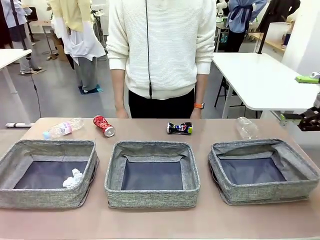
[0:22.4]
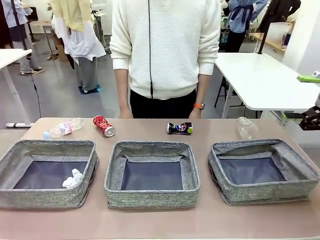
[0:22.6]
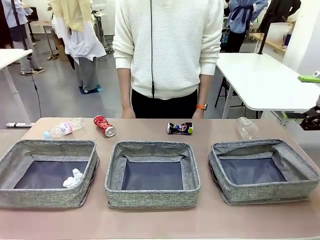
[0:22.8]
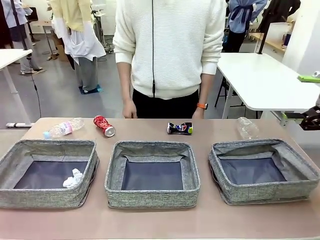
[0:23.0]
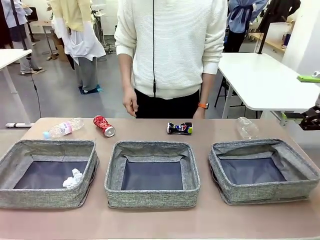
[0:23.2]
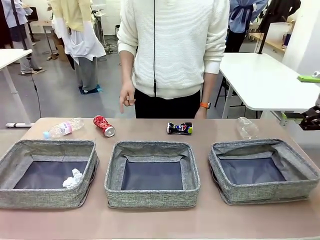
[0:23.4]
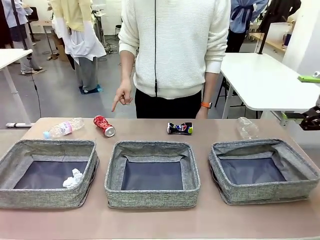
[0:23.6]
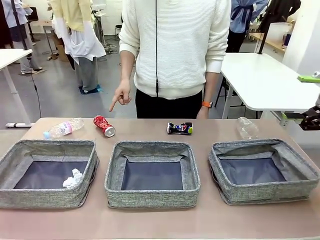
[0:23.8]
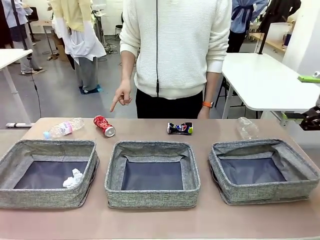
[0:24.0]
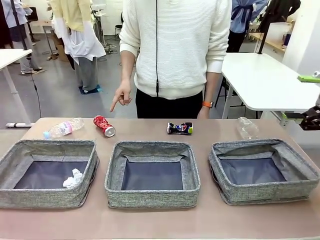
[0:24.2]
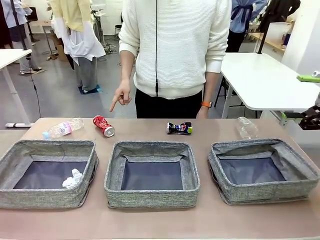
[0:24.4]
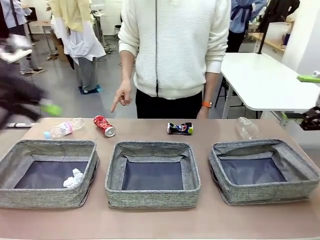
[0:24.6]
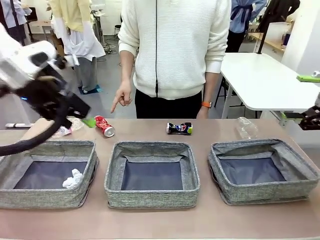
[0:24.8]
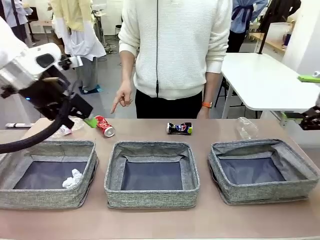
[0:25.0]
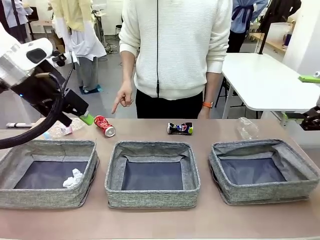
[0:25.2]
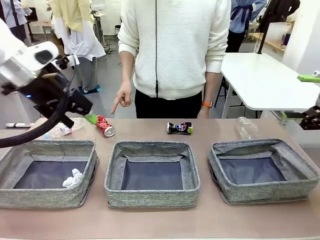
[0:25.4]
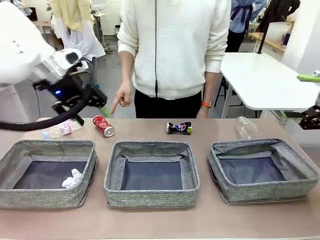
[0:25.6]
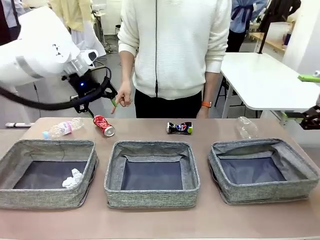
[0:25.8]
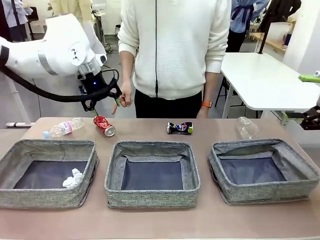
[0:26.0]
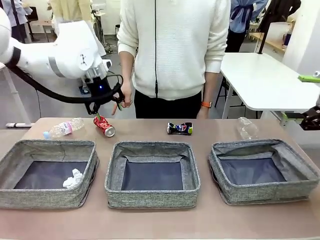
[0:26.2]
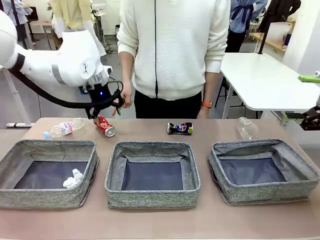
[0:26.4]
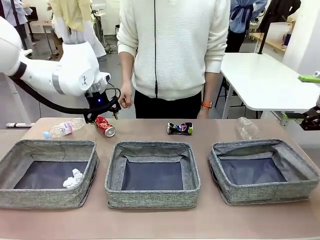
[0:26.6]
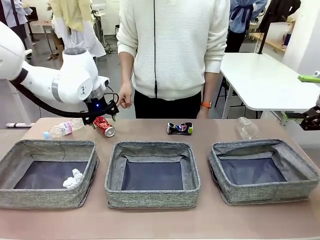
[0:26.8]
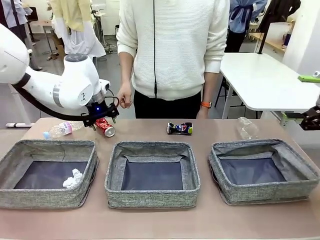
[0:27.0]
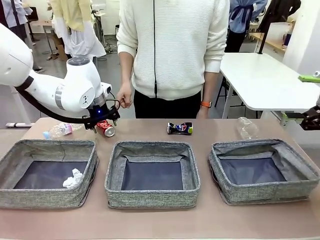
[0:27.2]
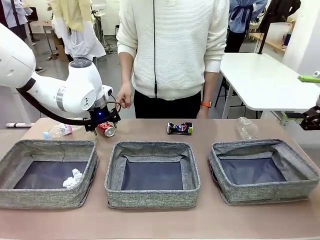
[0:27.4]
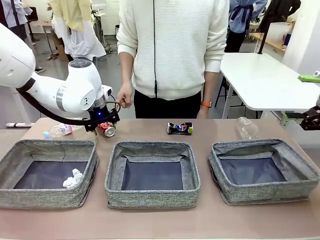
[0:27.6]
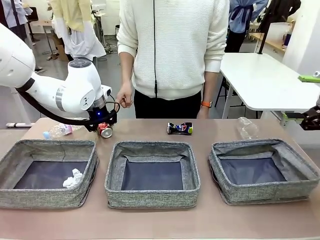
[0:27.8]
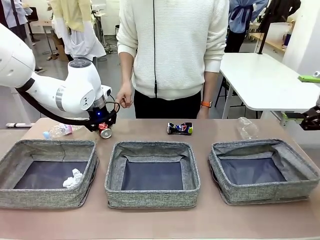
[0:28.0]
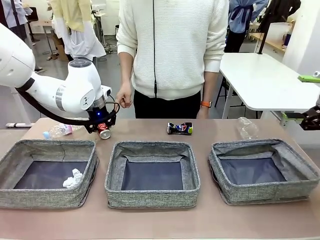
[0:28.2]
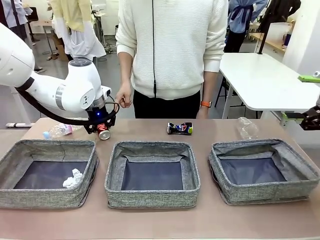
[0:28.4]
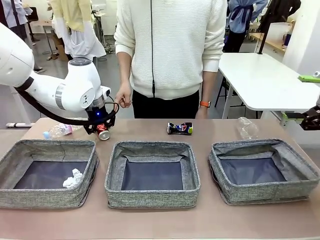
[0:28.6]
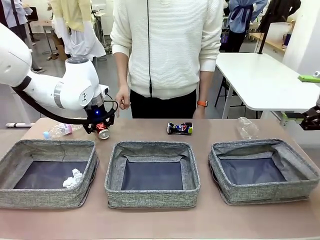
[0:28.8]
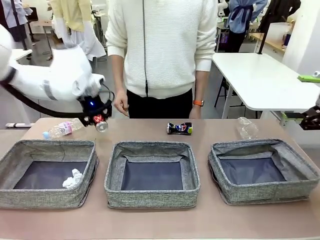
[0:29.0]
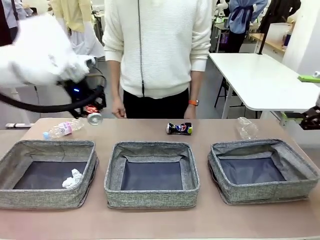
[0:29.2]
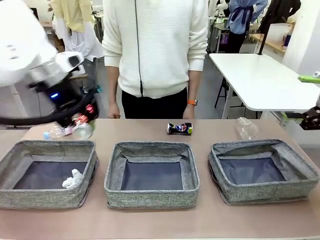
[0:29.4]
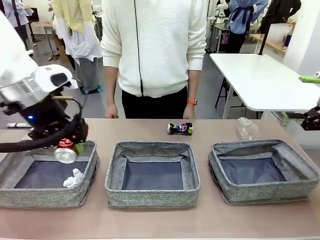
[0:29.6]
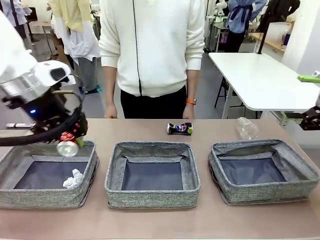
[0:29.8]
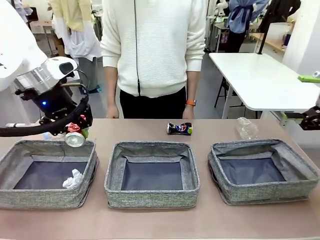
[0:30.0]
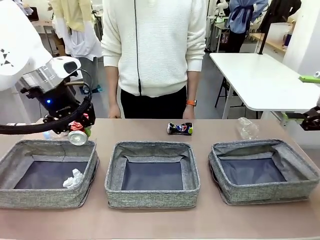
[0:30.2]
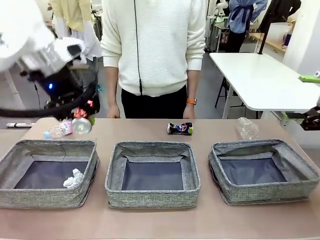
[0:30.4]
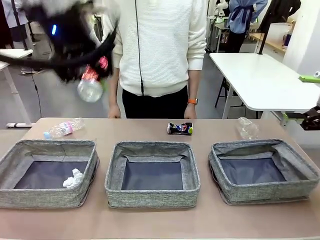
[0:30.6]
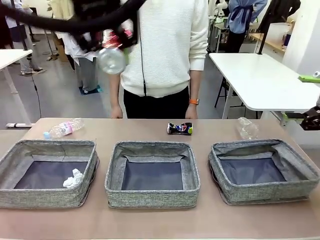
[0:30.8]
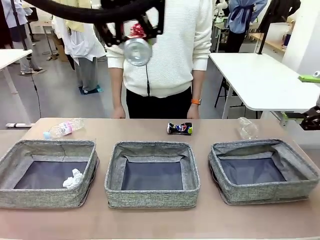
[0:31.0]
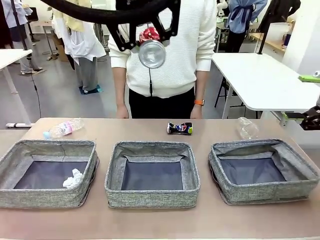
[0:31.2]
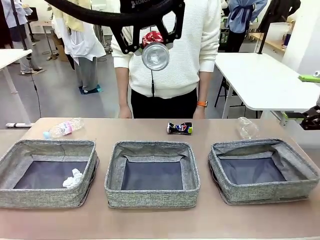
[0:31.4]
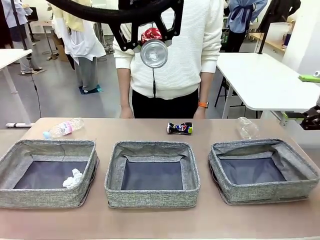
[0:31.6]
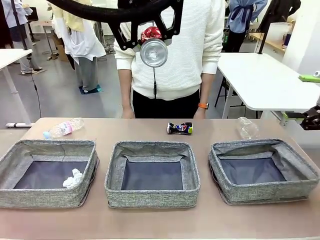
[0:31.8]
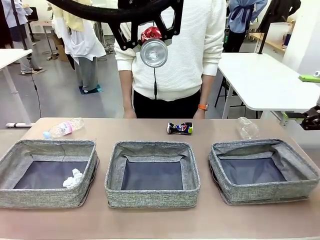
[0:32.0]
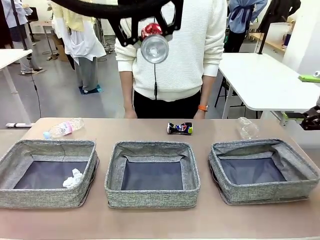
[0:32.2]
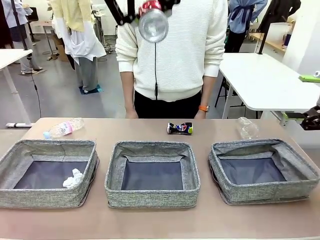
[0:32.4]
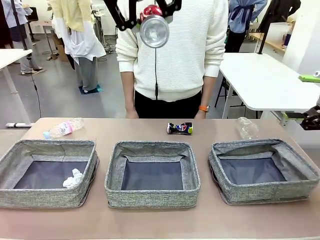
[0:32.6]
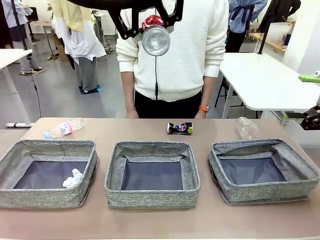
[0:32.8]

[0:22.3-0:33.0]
Task: Sort the waste into the appropriate baskets.
Robot: Pick up the waste item pointed out by the person.
Person: Points to one piece of trash on the table.

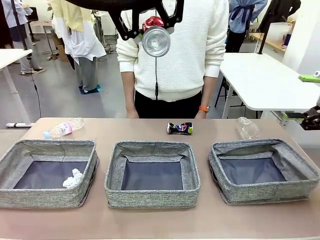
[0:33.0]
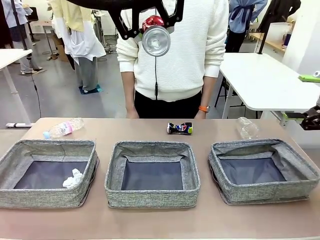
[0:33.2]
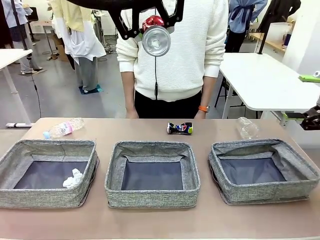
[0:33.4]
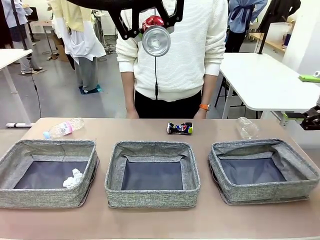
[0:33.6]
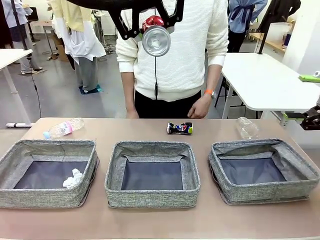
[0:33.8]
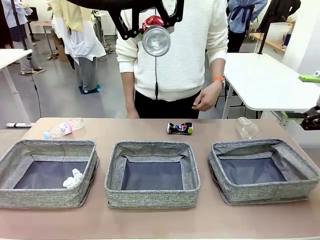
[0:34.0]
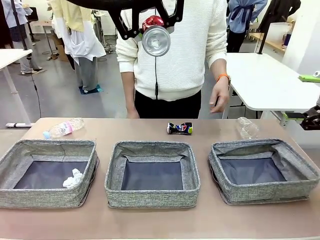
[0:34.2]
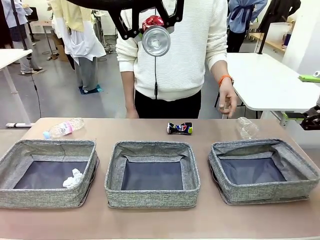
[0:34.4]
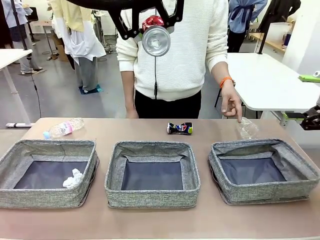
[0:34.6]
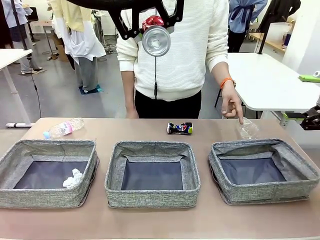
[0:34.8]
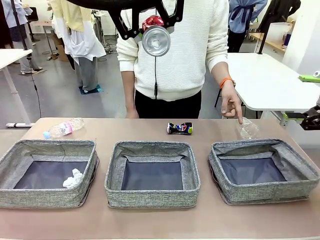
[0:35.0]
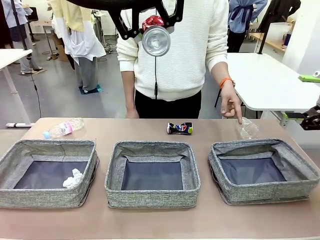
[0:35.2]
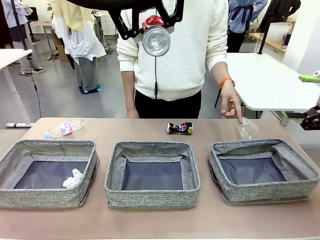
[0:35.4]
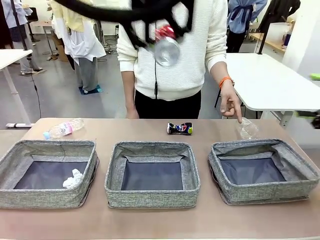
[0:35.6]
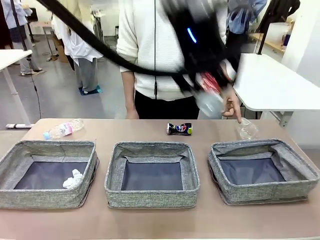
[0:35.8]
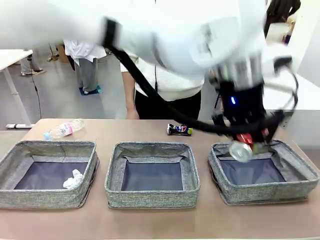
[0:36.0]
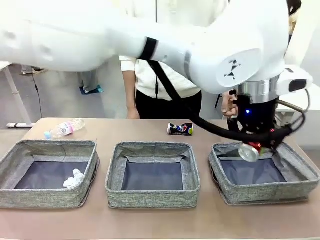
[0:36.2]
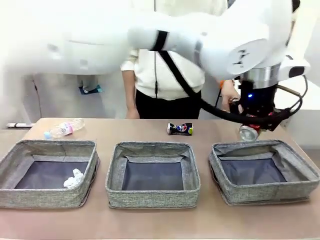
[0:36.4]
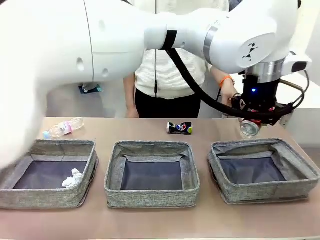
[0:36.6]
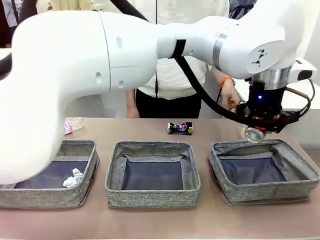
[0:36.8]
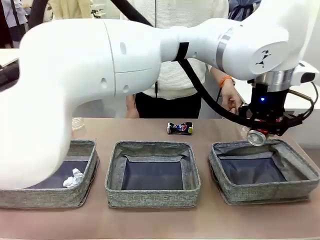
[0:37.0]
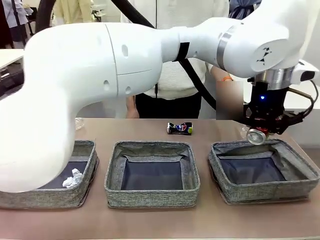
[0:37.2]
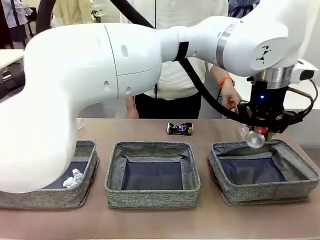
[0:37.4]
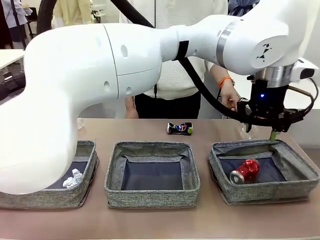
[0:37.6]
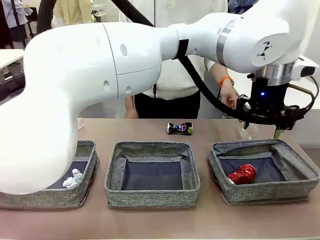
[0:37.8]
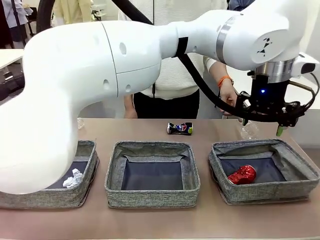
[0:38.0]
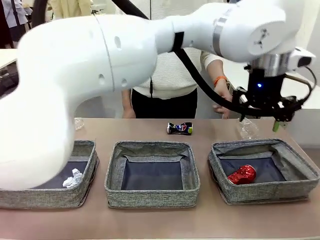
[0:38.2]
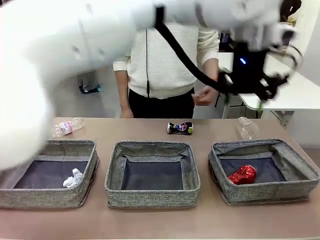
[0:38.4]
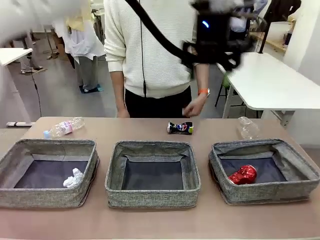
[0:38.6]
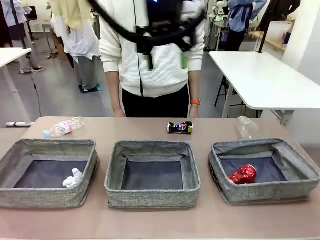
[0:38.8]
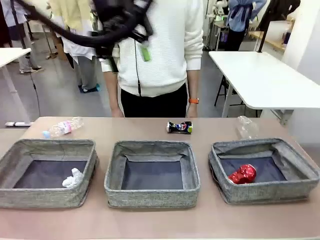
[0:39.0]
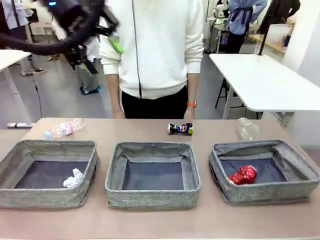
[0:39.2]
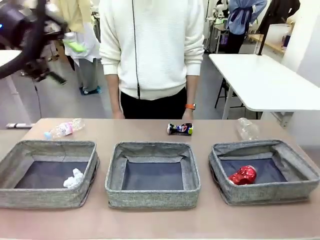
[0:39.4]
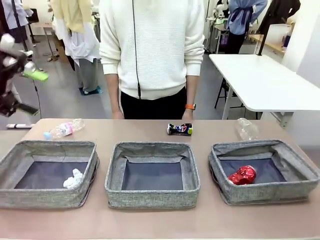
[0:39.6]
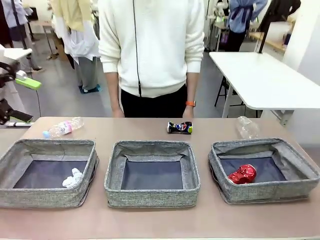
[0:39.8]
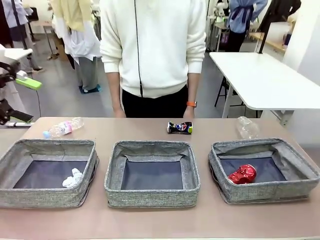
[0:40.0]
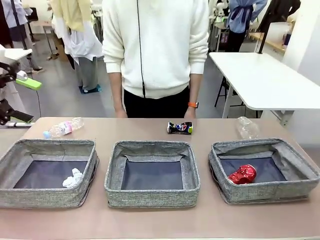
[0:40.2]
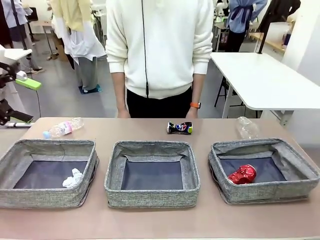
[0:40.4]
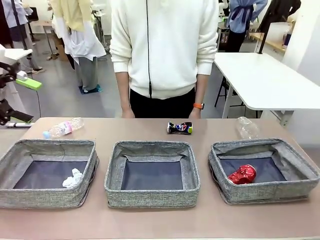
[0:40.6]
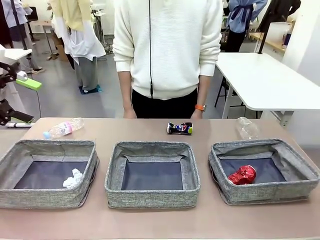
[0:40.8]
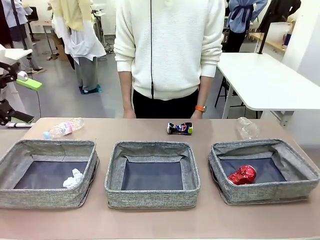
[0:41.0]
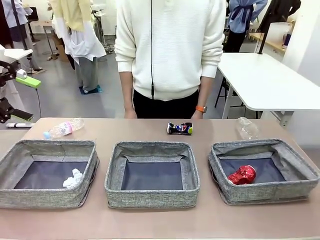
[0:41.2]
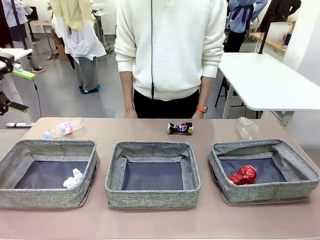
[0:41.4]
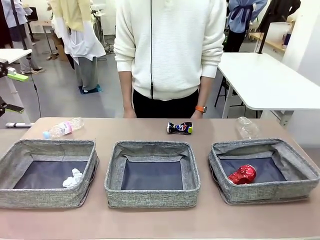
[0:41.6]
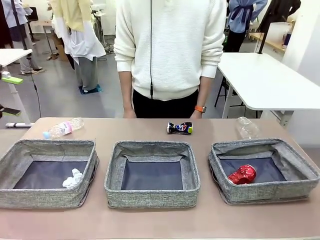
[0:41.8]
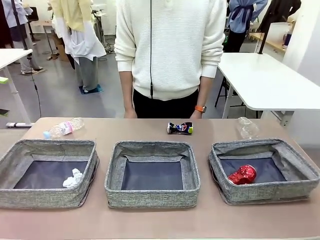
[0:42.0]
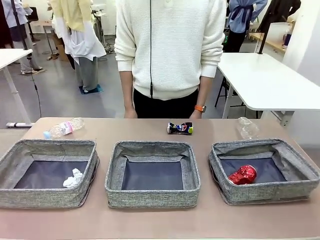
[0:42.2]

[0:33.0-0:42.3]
Robot: Place the picked waste into the Fabric basket indicated by the person.
Person: Instructs the robot to place the picked-up trash into the appropriate organizing basket.
